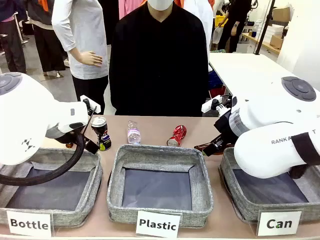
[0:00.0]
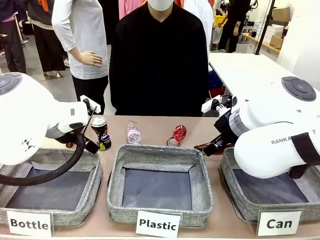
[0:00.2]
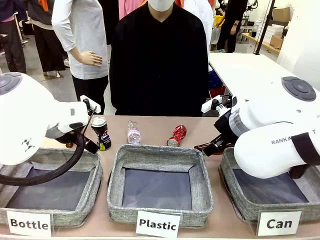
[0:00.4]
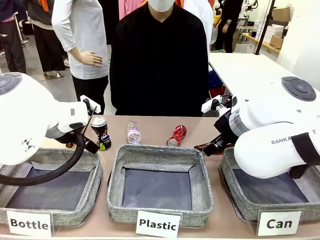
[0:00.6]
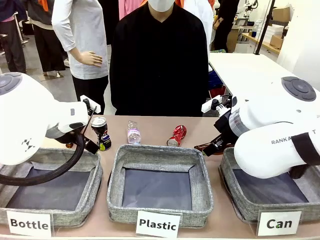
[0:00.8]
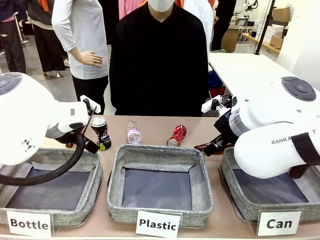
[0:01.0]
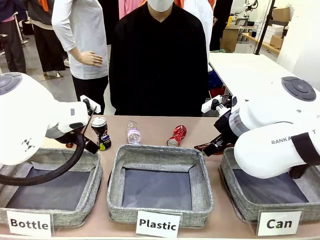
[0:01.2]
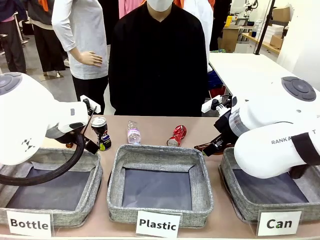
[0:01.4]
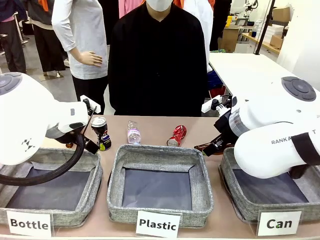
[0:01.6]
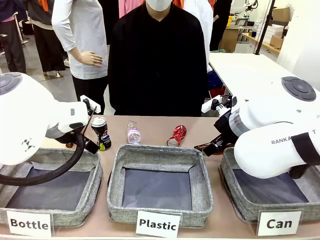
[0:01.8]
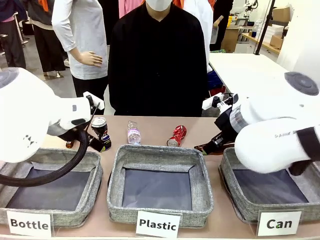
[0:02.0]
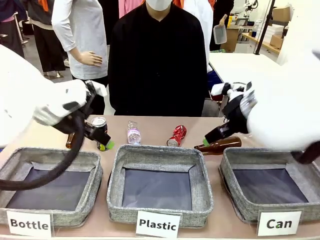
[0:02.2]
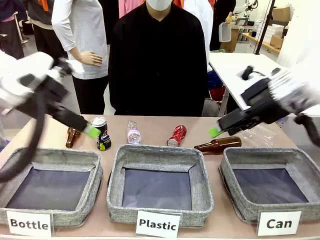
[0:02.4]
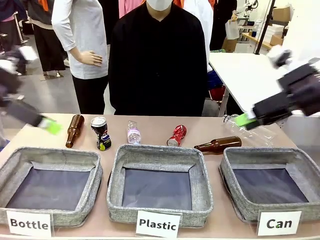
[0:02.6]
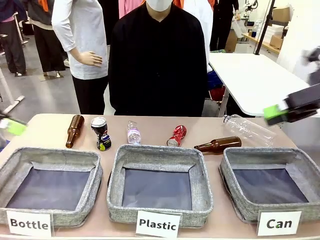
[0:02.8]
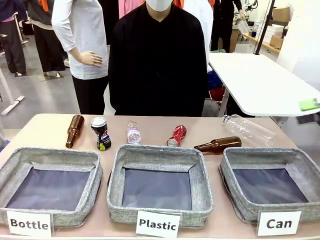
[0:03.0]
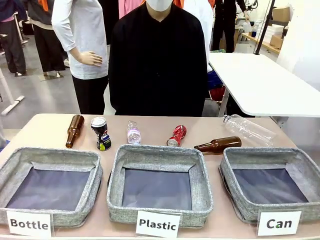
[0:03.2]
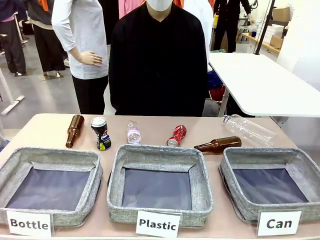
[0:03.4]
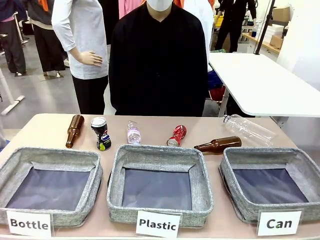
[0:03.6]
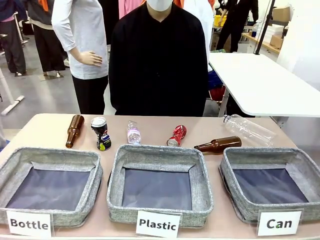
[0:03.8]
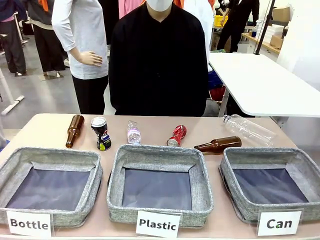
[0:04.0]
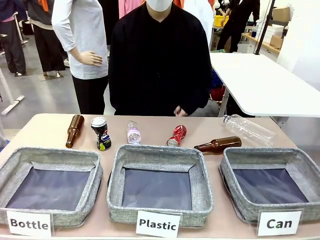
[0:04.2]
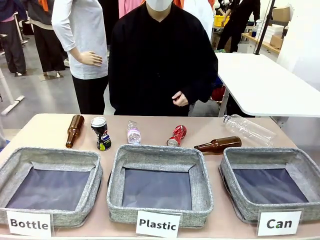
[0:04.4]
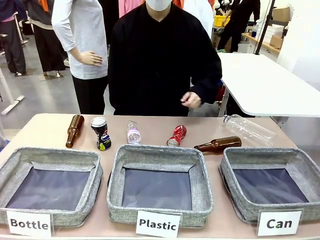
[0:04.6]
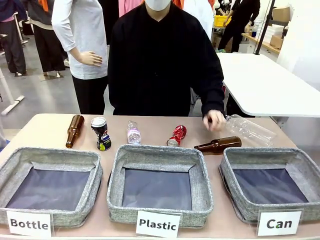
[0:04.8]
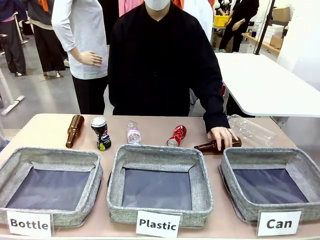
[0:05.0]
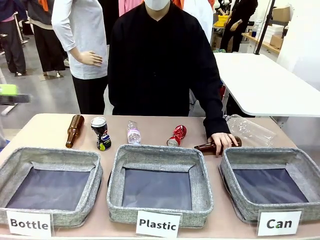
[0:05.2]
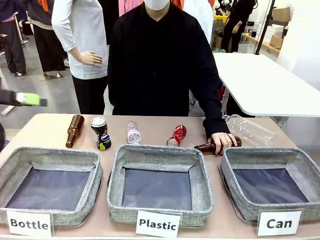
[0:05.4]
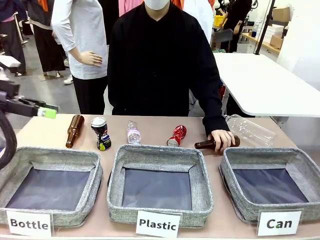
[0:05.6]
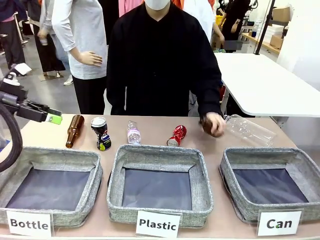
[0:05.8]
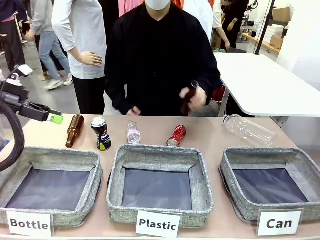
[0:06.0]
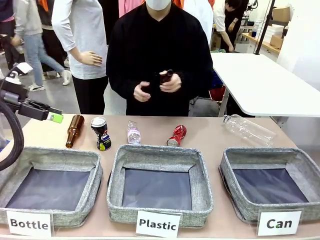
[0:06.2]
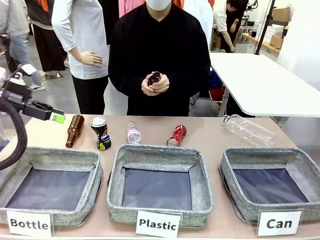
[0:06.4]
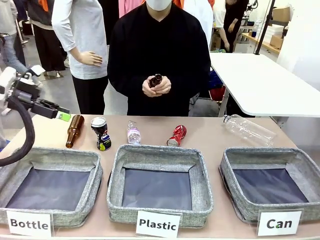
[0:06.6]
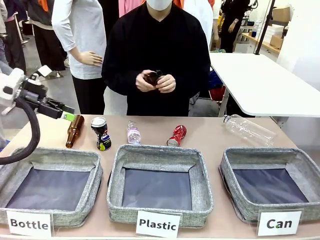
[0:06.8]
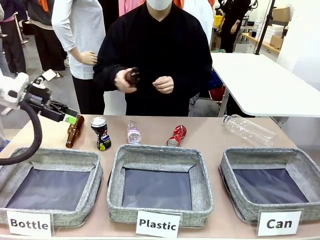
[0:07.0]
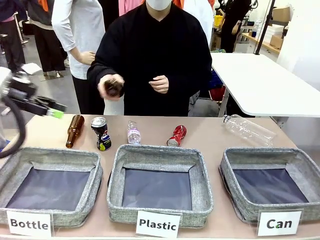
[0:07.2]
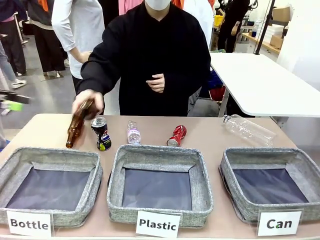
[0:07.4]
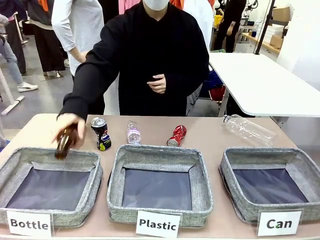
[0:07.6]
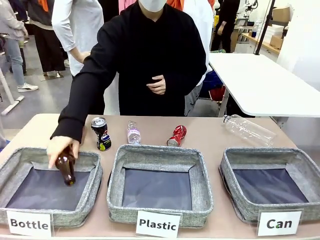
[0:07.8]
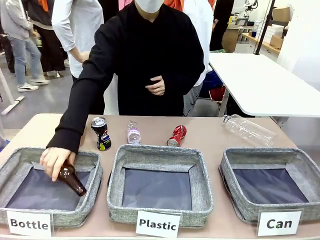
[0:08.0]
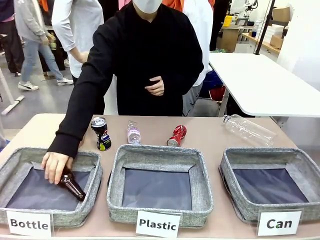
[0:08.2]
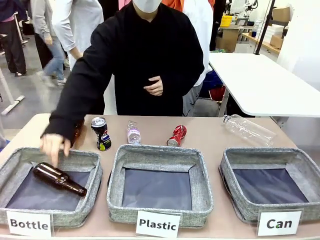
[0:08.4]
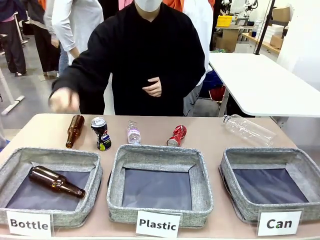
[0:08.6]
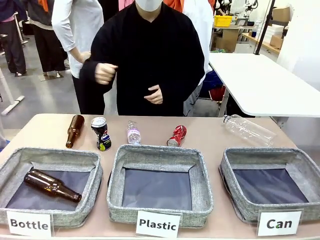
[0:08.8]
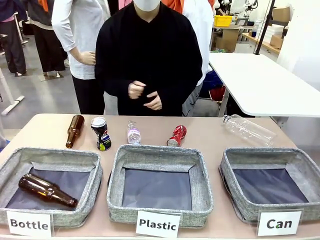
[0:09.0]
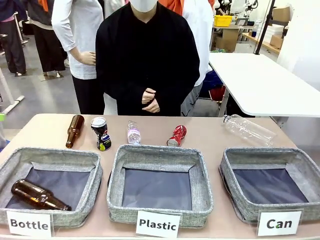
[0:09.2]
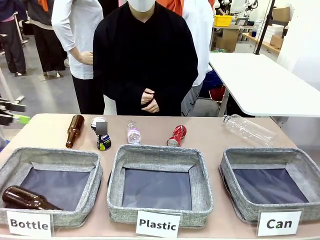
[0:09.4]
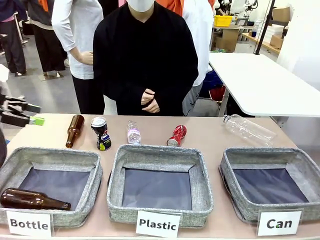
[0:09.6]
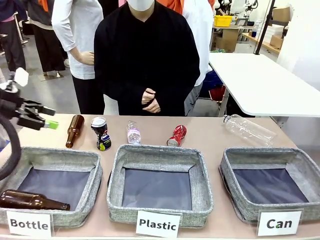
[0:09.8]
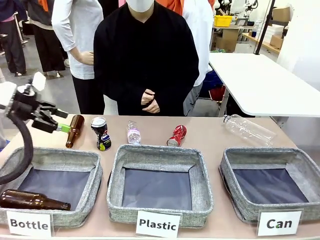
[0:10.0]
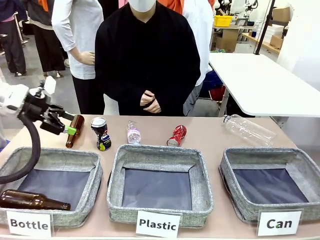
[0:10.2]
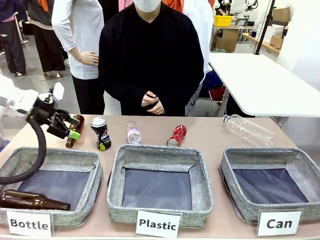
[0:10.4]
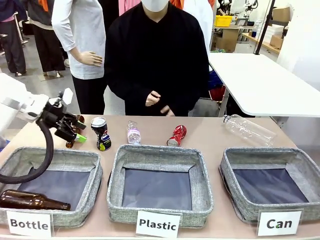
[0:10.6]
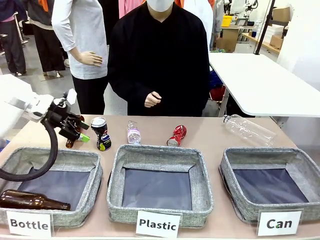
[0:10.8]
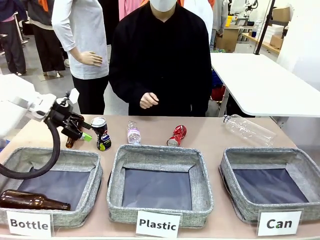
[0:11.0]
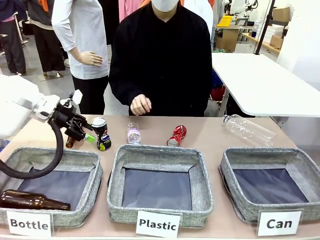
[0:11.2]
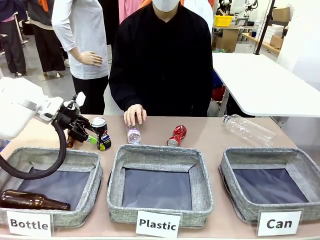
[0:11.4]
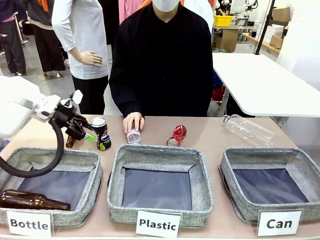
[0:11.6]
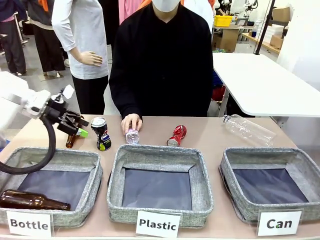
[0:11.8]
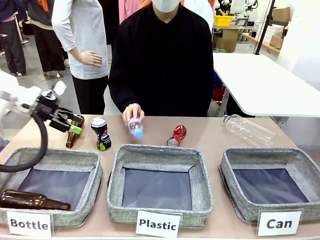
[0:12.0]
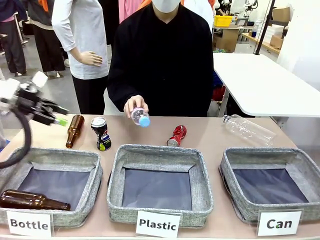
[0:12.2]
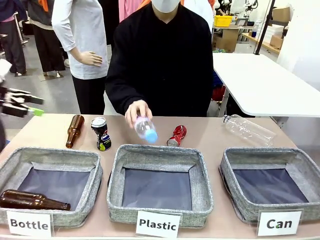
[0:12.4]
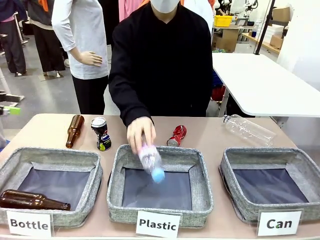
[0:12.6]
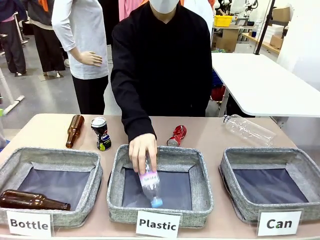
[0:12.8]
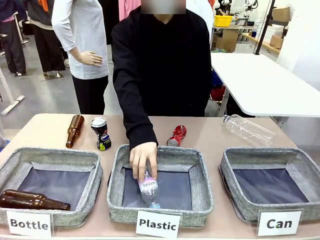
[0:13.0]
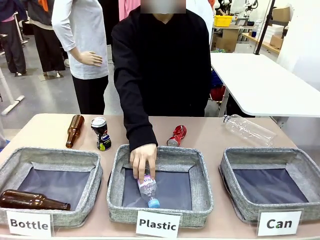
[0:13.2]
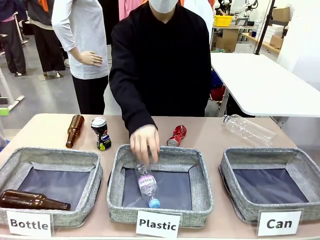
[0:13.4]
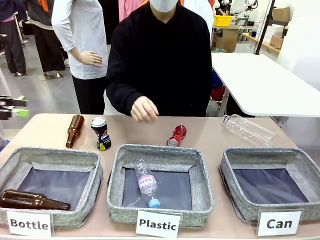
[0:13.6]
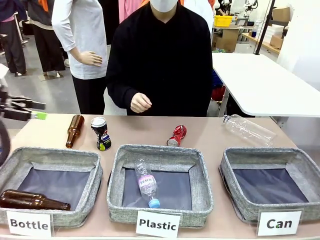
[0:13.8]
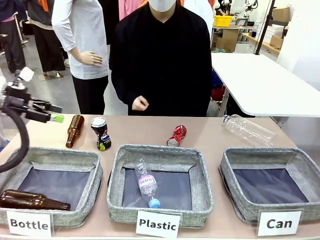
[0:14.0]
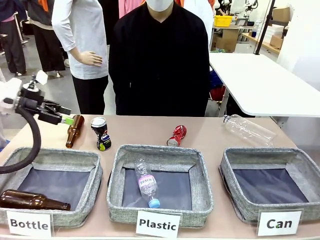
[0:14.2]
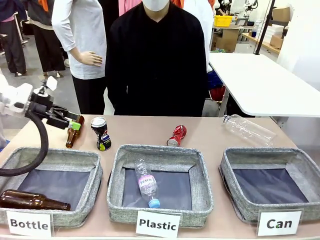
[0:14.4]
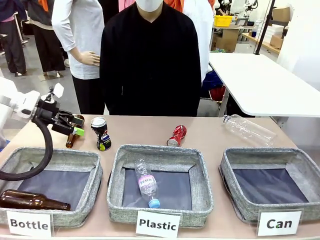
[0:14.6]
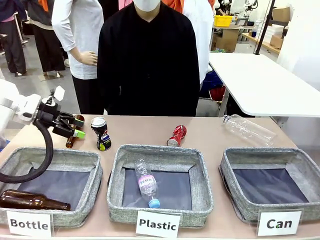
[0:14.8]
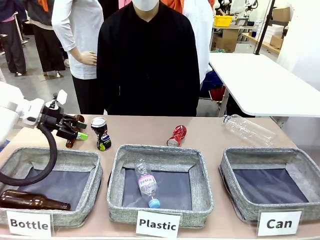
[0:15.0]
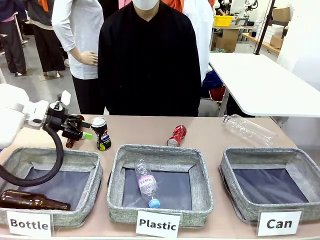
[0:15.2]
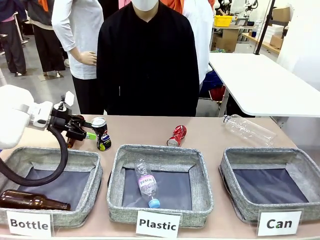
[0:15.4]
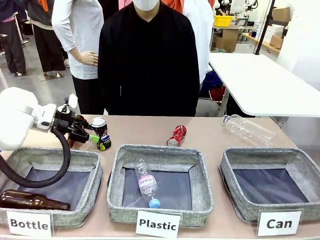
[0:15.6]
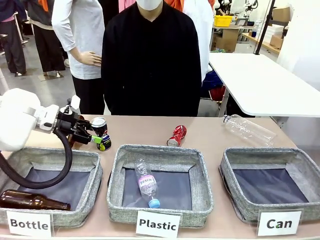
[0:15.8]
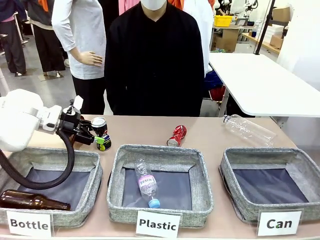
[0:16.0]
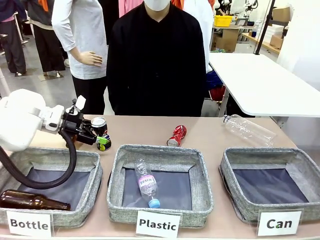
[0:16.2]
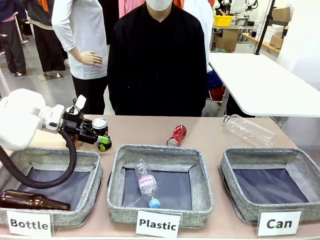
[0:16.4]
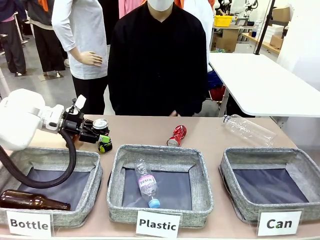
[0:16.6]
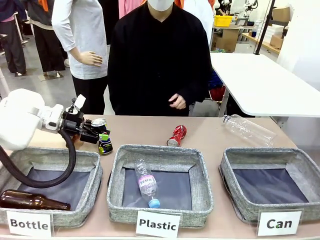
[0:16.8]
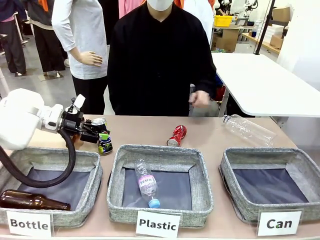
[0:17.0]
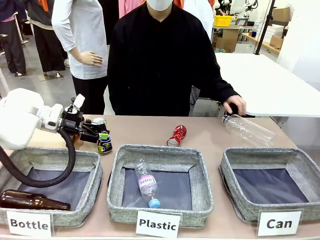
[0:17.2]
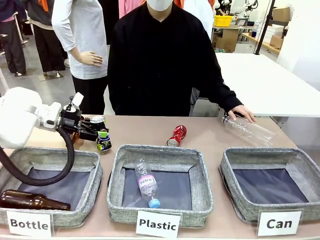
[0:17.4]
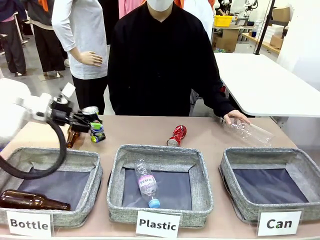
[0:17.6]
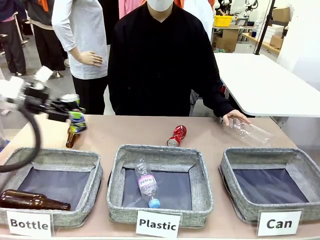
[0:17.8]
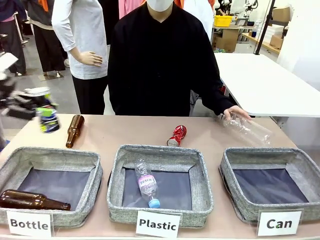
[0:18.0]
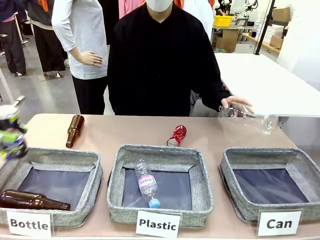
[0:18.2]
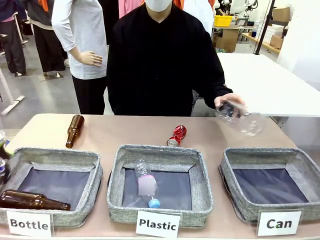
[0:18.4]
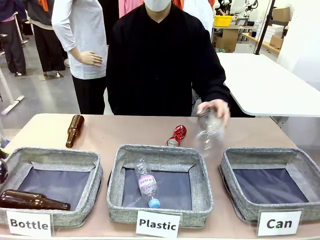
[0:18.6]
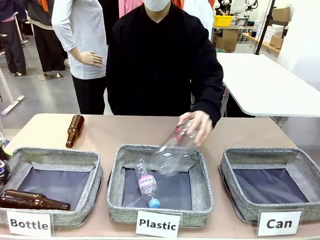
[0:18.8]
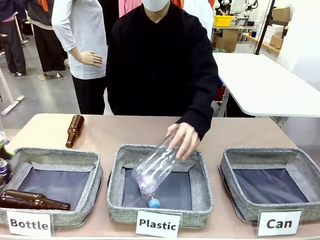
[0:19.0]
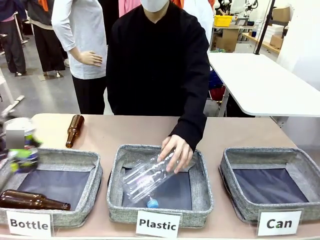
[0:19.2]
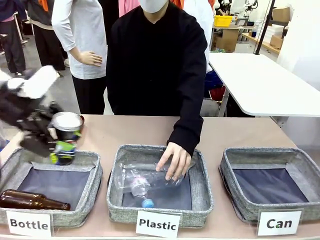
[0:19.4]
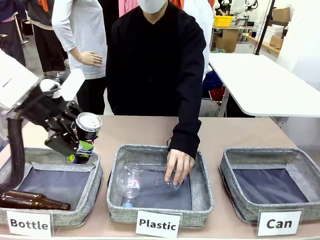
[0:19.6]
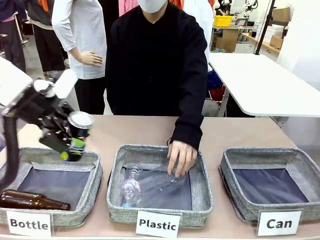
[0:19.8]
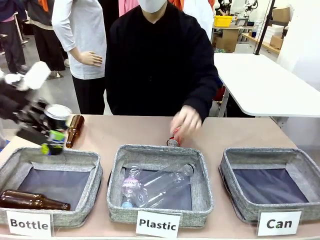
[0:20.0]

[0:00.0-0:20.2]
Task: Sort the can waste into the basket.
Robot: Pick up the can waste from the table and place it in the right Fabric basket.
